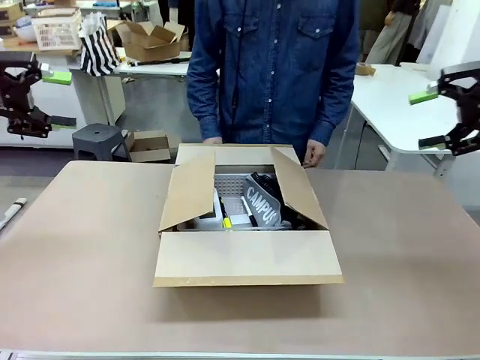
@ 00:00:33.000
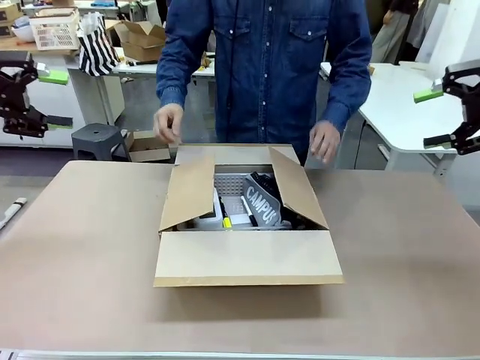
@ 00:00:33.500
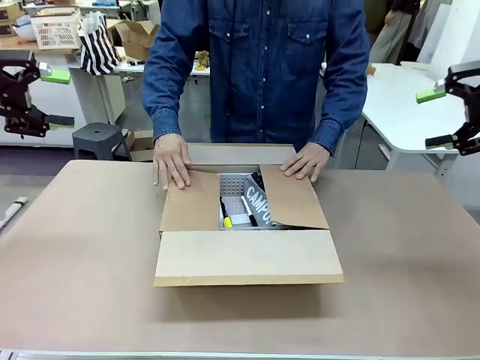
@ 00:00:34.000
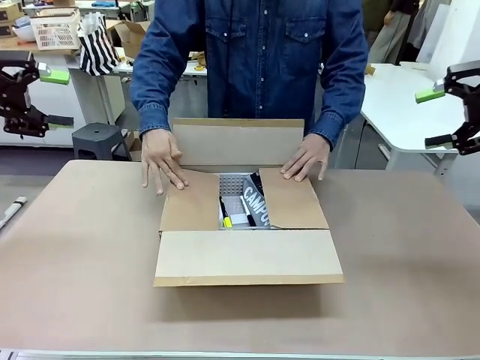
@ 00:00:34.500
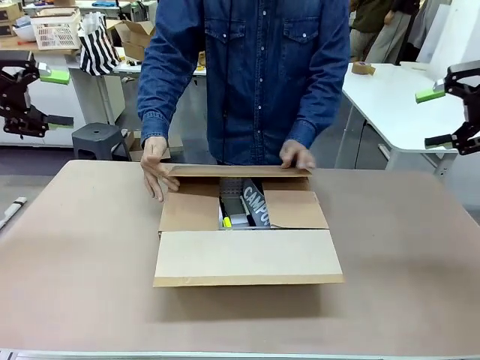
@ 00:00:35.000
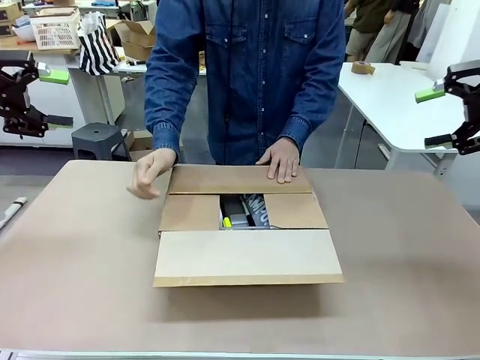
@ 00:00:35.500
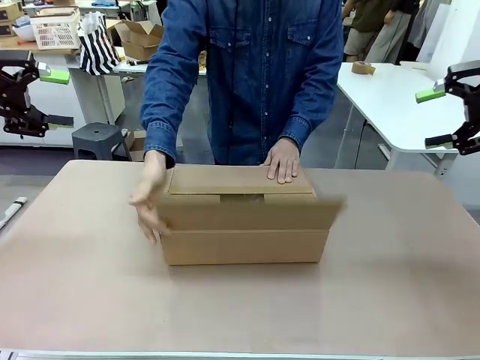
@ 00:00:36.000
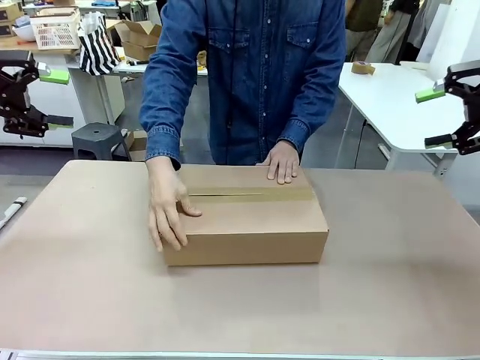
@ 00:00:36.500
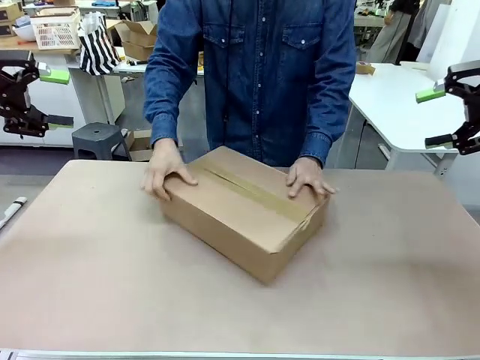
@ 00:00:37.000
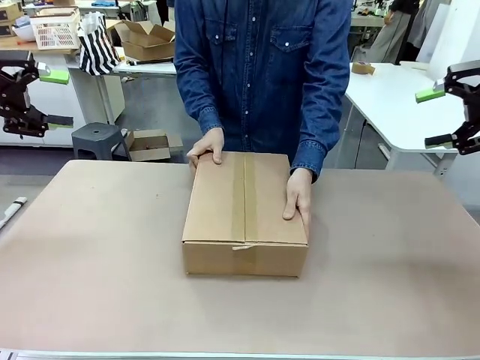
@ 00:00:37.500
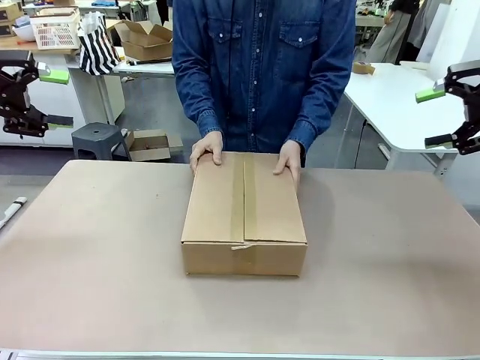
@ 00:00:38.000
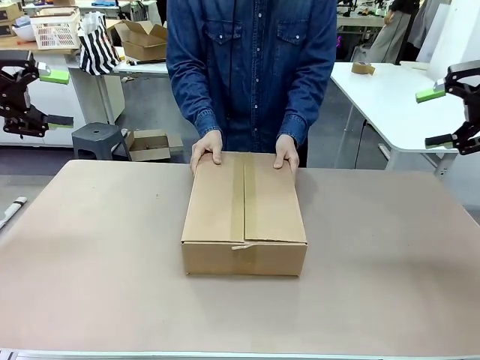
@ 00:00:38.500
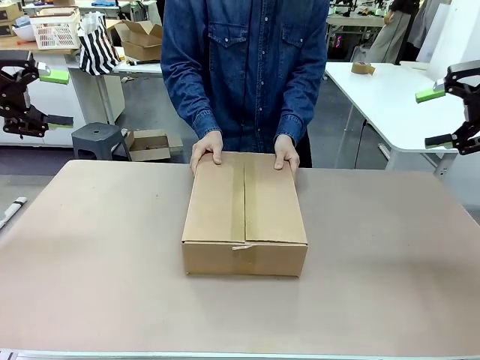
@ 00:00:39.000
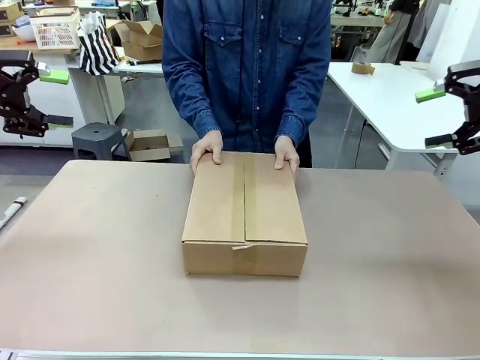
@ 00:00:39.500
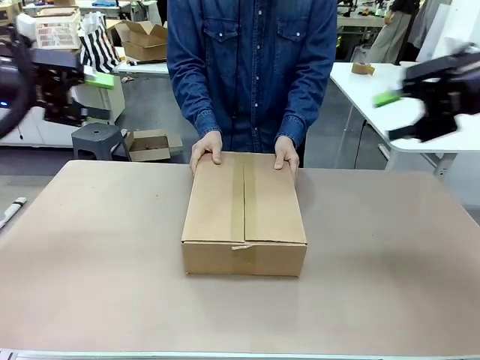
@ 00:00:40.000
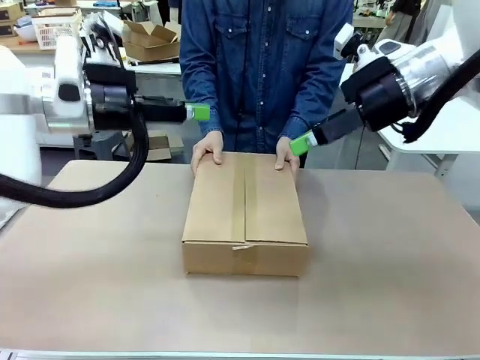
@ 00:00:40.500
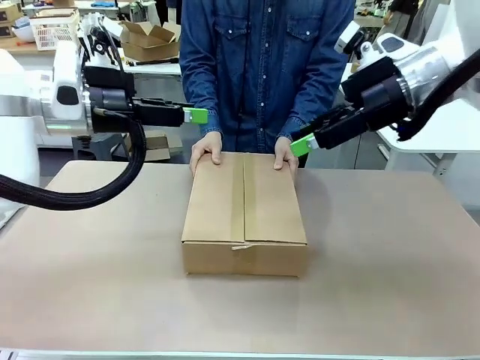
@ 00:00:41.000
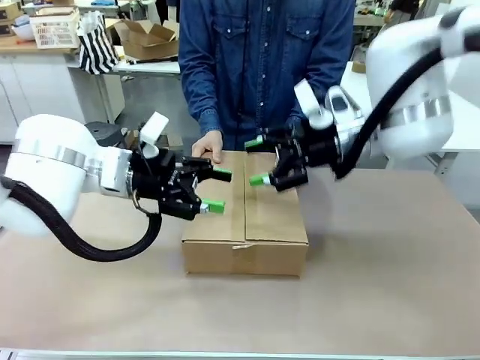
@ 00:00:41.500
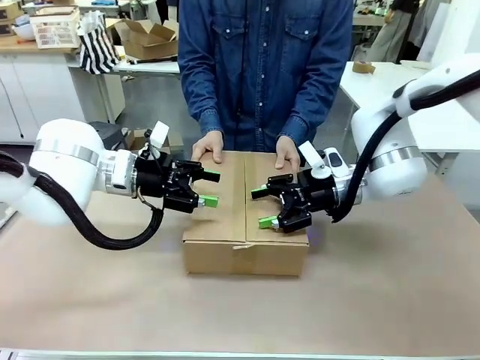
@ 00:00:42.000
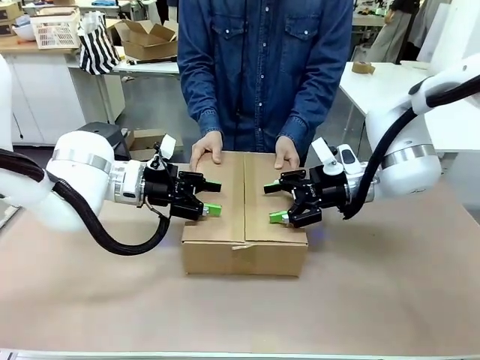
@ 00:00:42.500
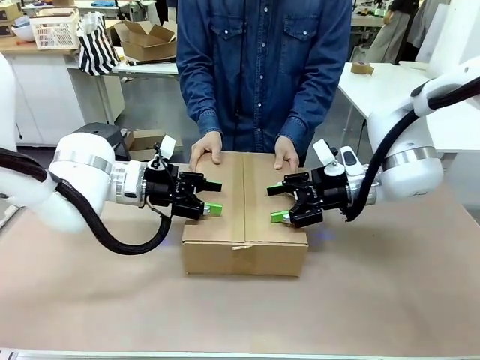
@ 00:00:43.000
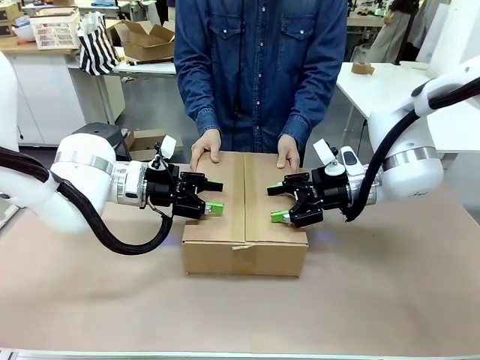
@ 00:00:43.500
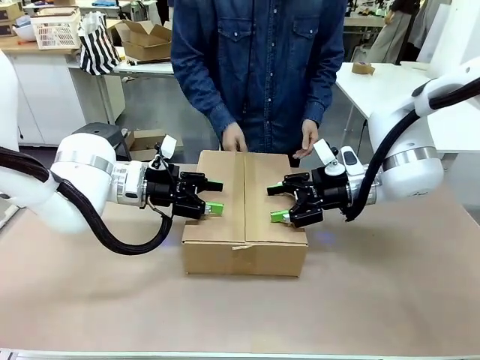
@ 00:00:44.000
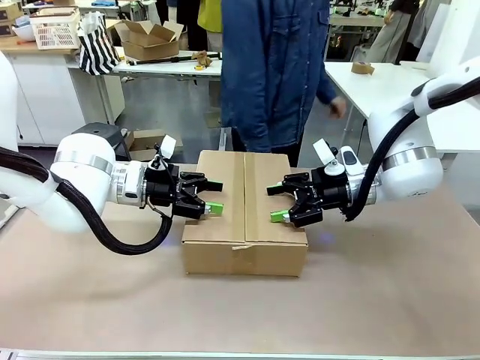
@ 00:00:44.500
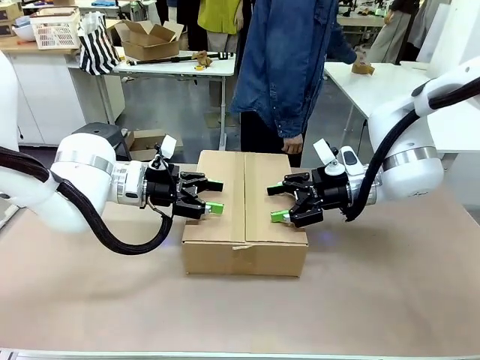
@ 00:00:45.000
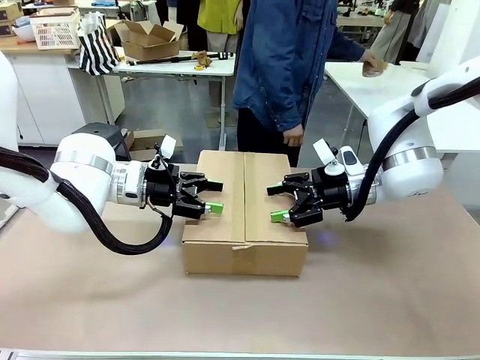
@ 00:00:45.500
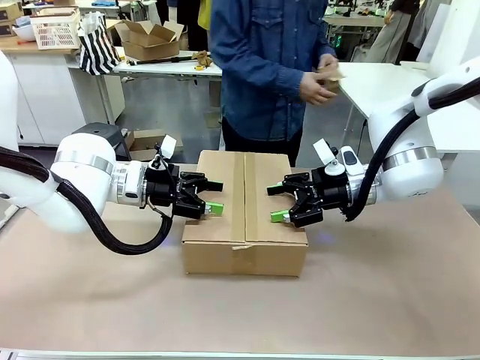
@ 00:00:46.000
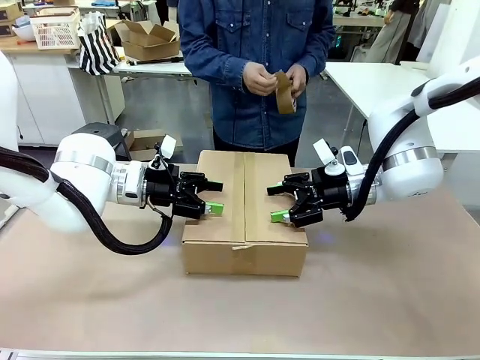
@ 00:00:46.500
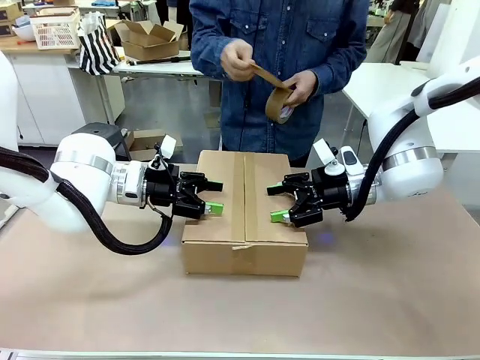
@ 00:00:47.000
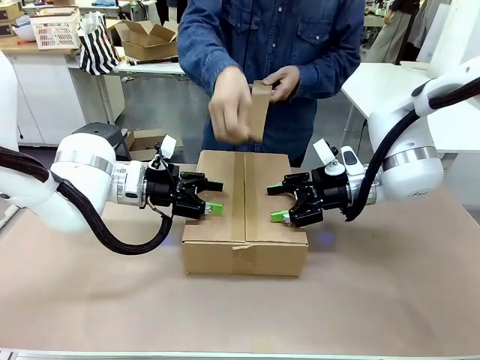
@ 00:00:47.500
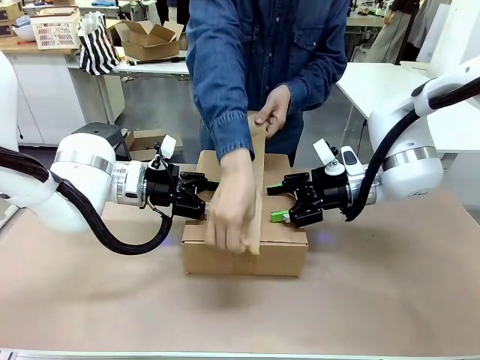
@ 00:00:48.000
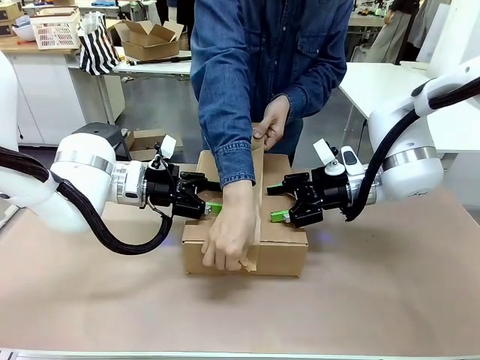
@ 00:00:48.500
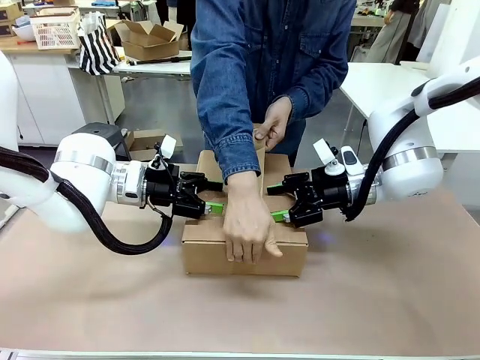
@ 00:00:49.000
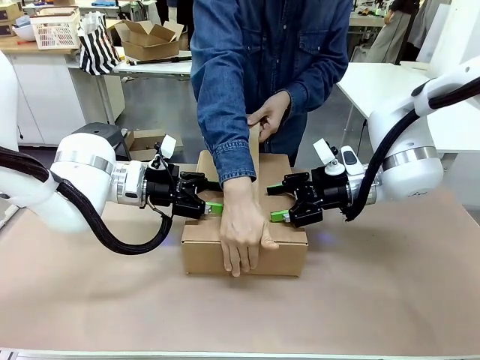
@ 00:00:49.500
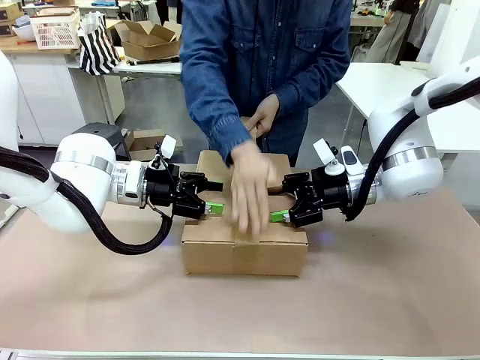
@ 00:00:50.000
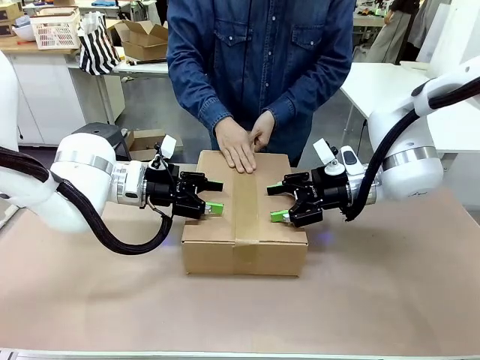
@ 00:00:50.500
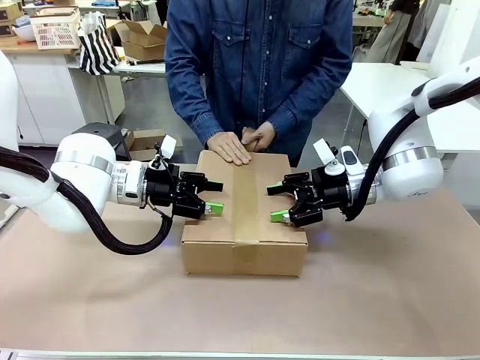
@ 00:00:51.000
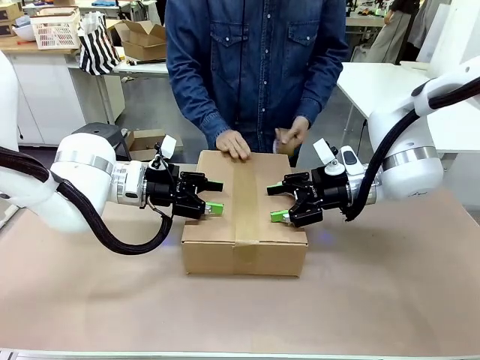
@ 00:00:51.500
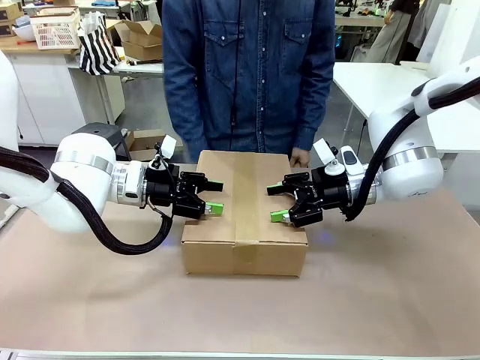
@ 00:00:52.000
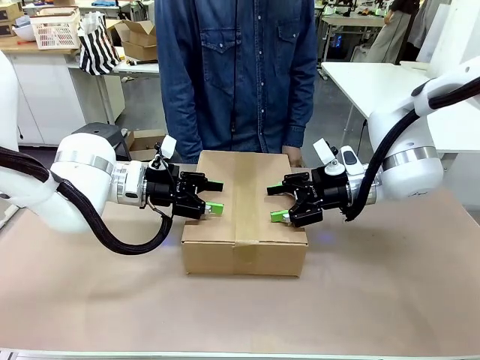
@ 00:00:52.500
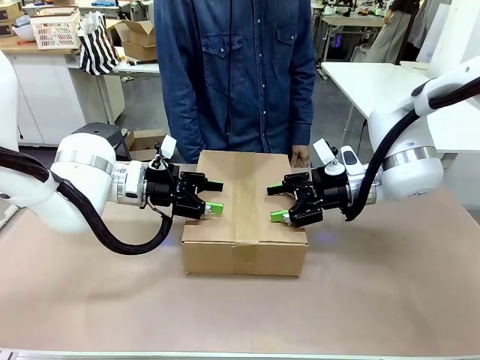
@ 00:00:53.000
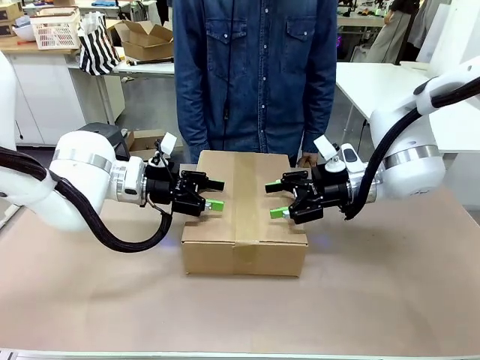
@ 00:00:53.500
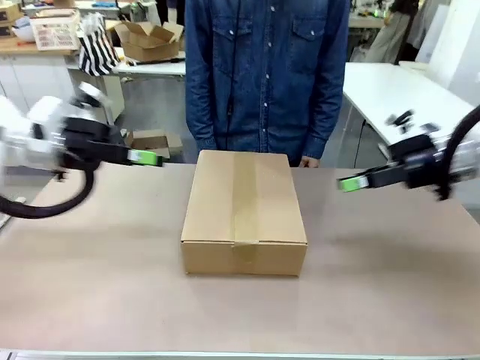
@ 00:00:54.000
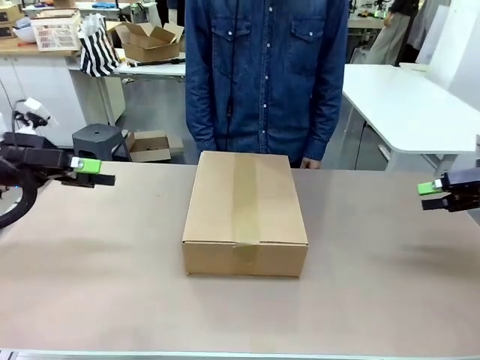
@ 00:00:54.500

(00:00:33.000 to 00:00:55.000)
Task: Pack the gift set into the box.
Robot: Press and hold the closed box until the human finishes sealing it.
Person: The human closes the box and rotates the box by 90 degrees. The human picks up the paper tape from the human table and packs the box.
